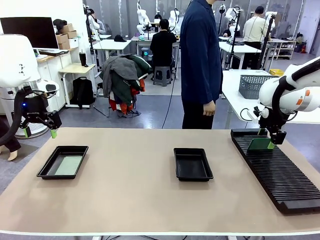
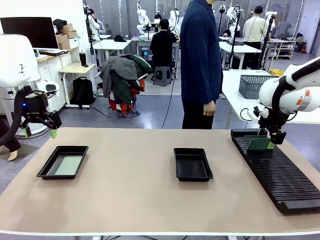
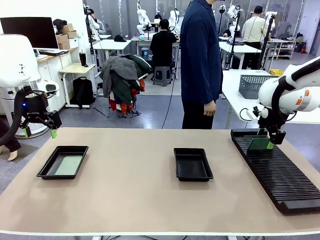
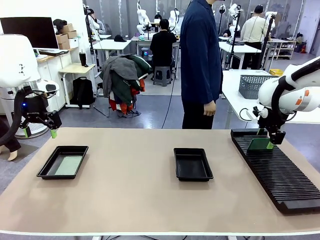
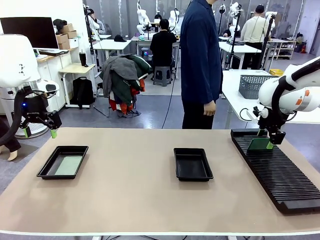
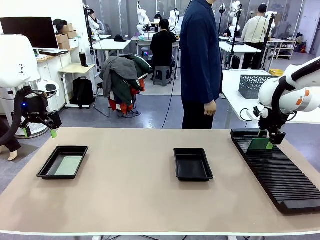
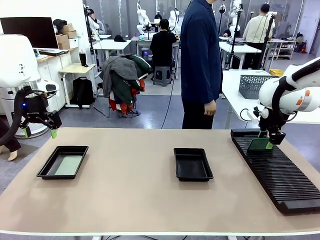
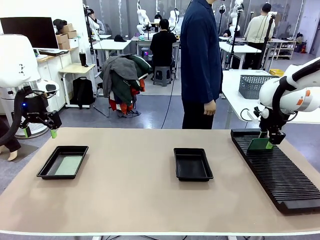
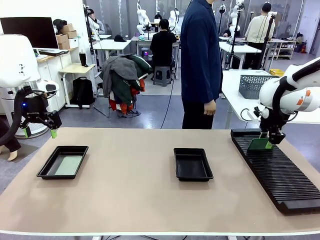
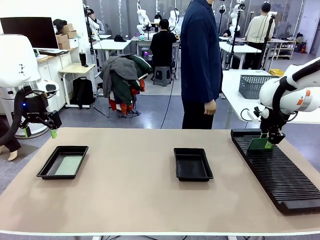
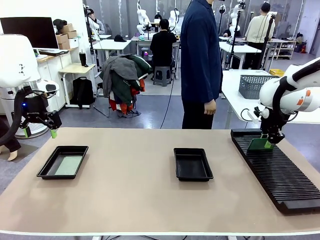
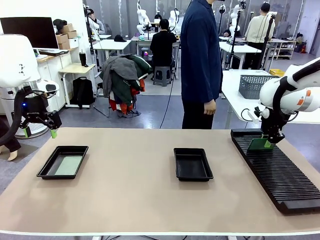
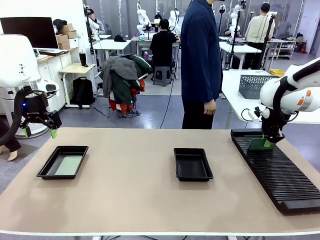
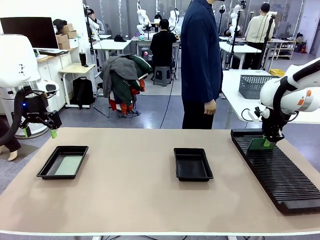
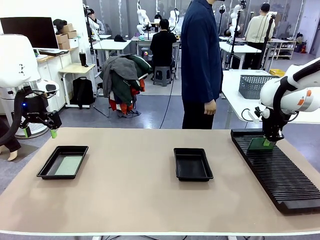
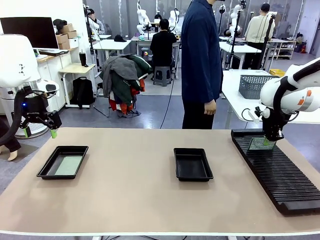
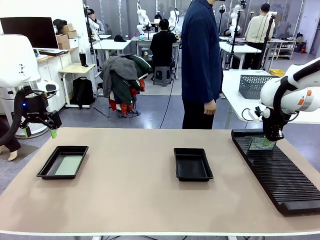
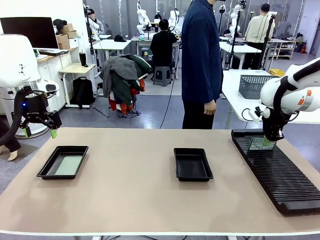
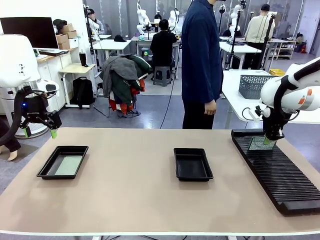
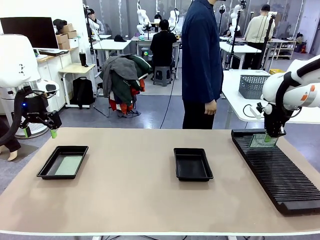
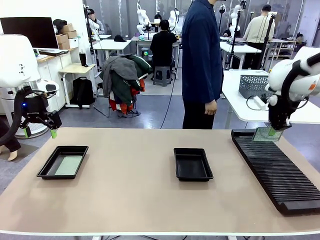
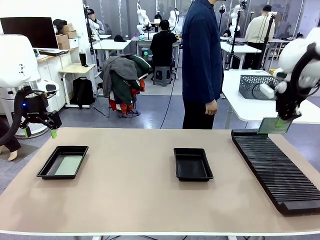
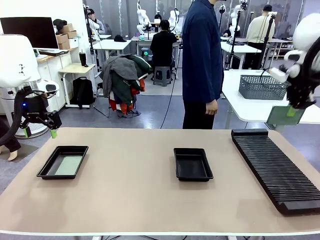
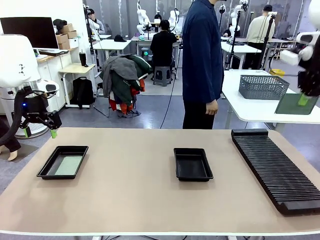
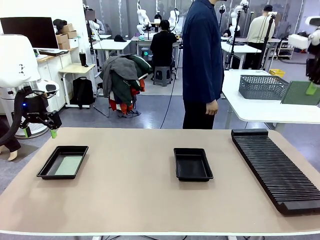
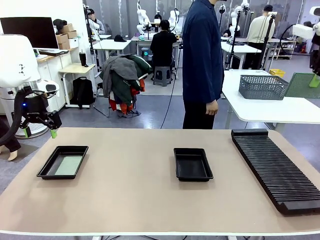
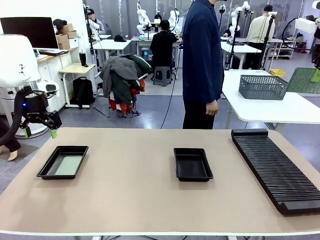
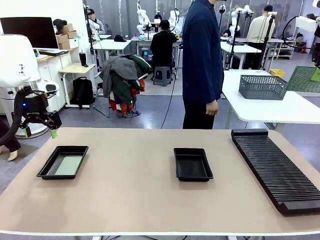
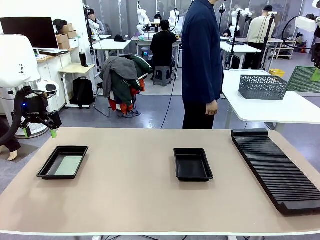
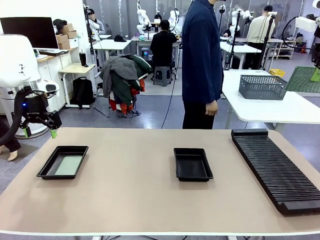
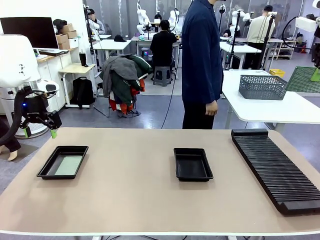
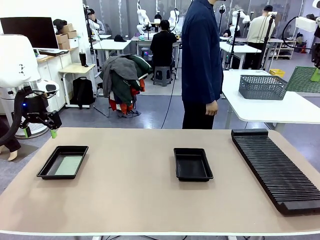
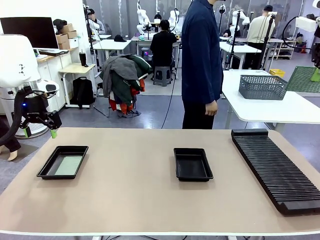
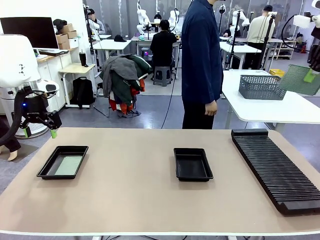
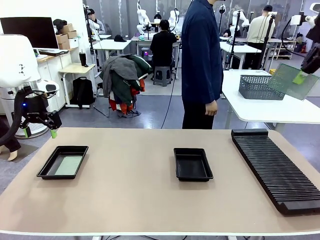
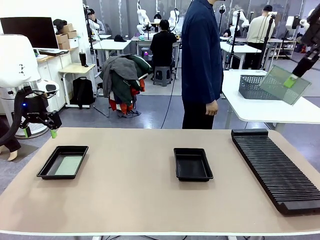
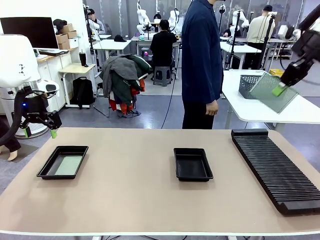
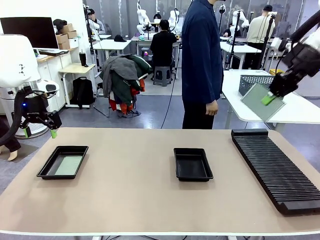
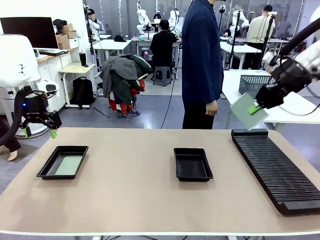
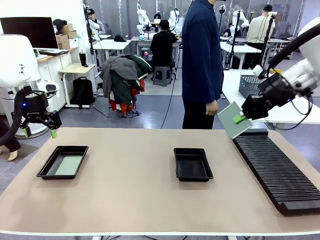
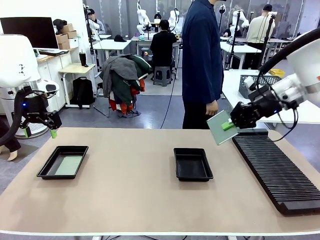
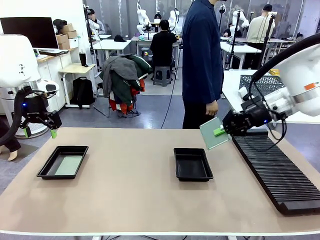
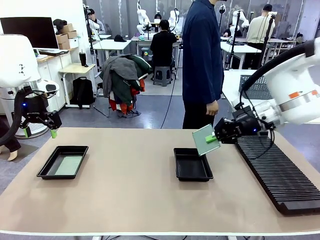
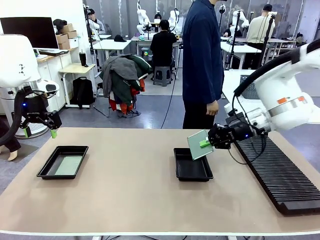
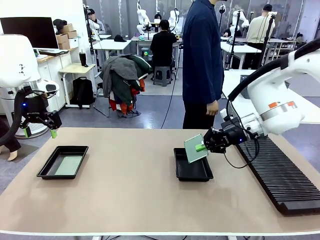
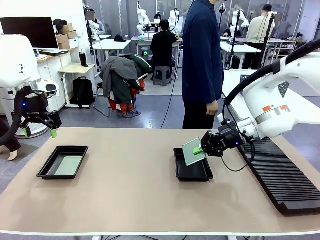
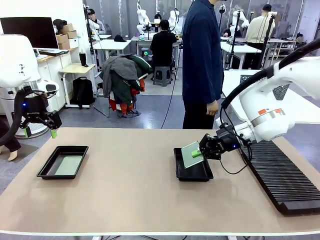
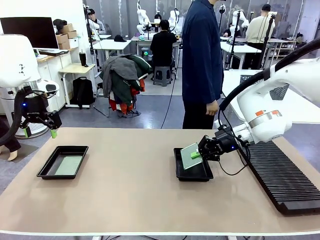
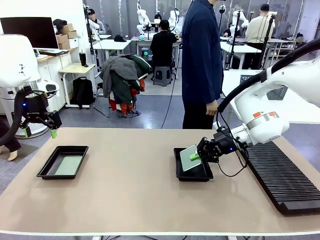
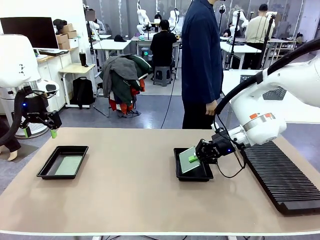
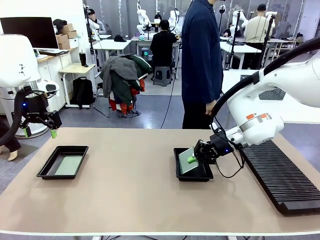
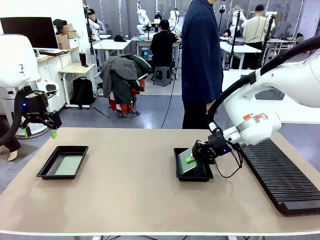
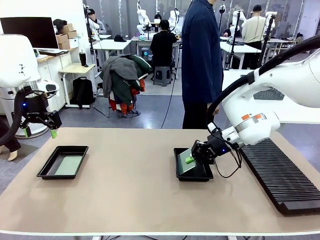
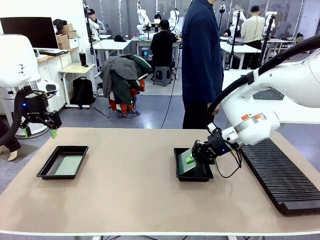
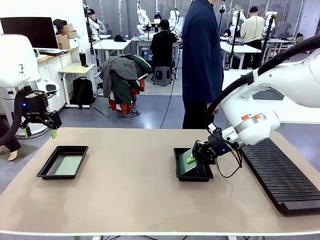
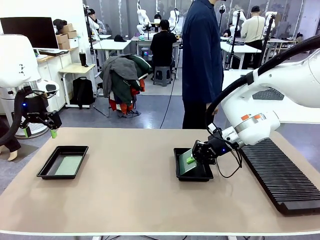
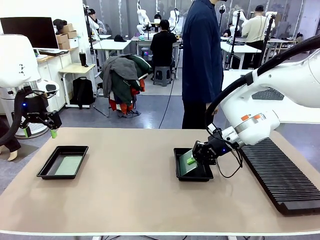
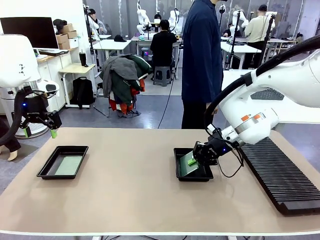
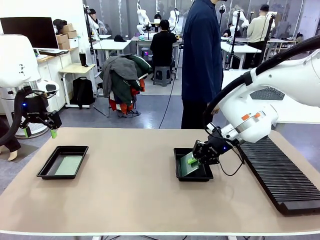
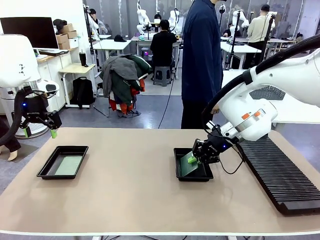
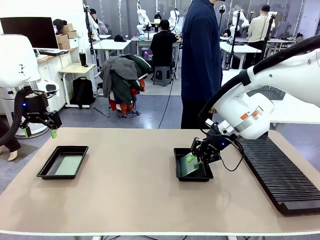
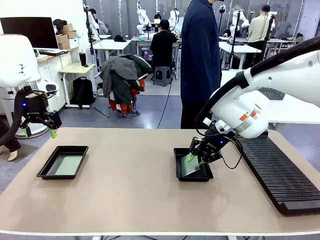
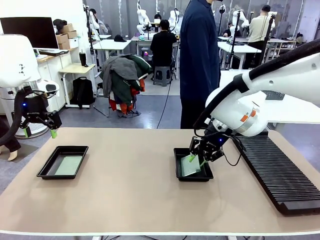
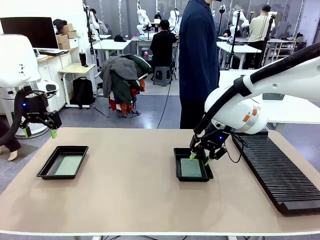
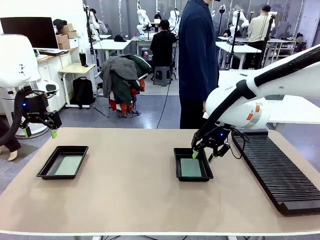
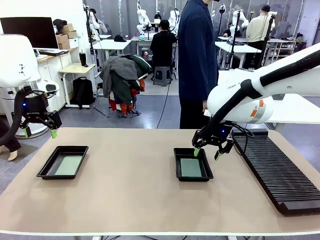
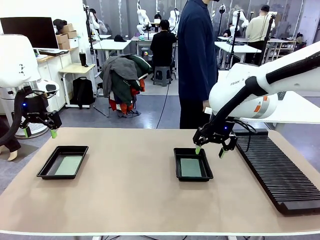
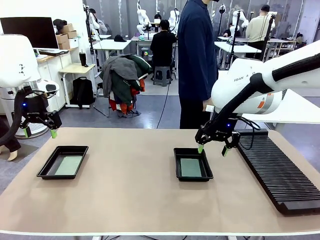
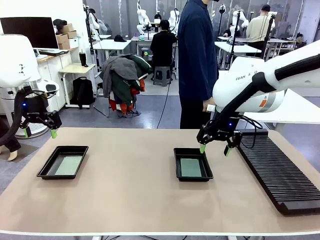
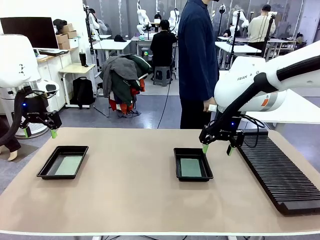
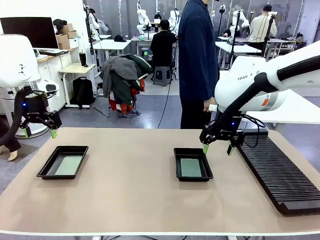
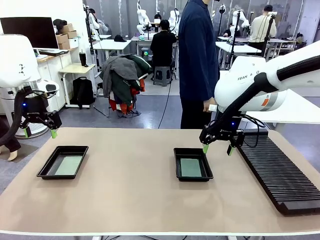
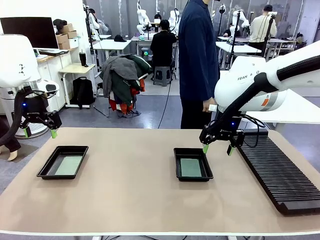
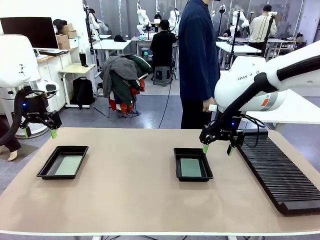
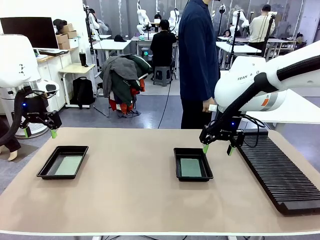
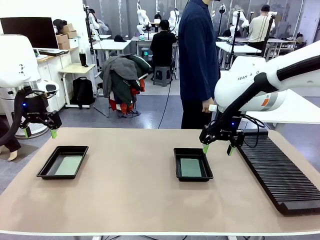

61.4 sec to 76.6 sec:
Task: Inspect and transfer BCBs to ESD trays.
Robot: Pick up the Blank PCB from the PCB Rack and place it in the right ESD tray.
